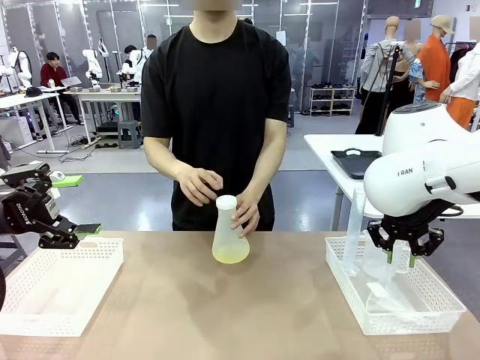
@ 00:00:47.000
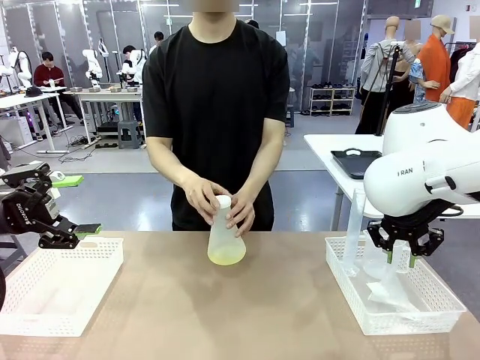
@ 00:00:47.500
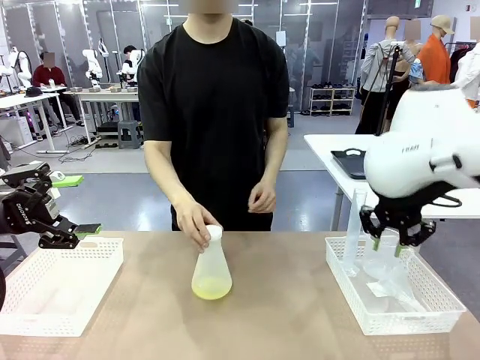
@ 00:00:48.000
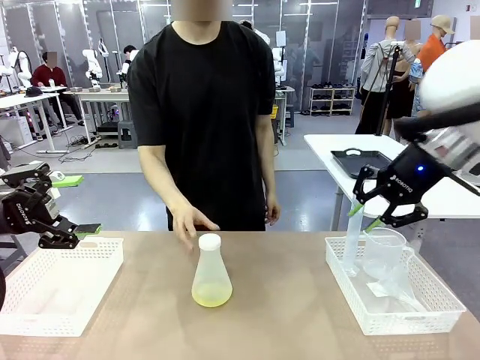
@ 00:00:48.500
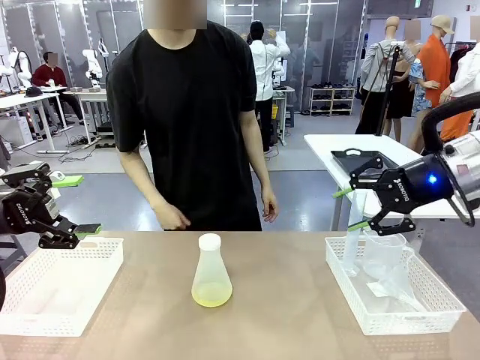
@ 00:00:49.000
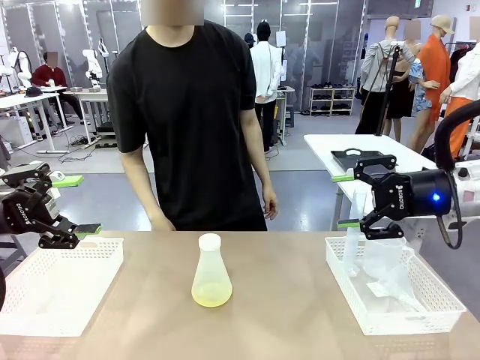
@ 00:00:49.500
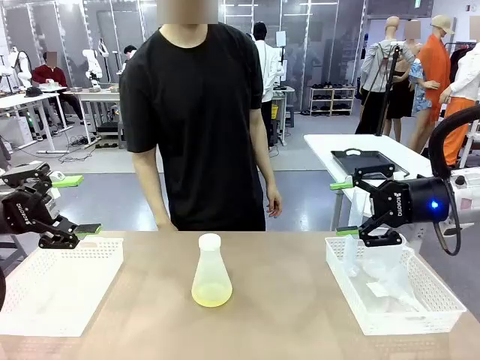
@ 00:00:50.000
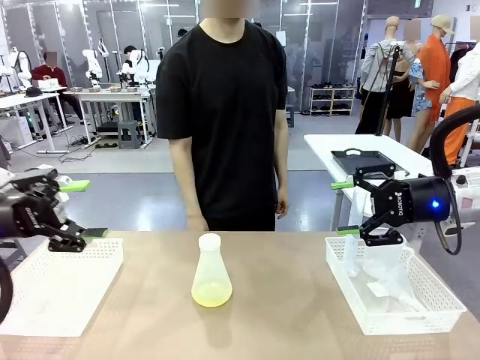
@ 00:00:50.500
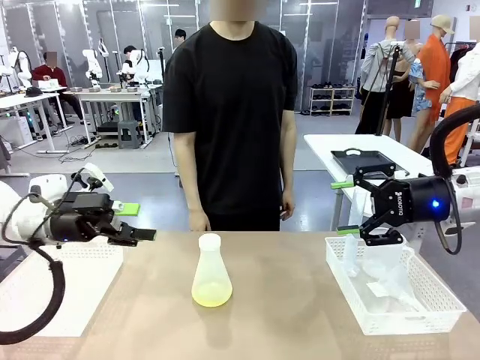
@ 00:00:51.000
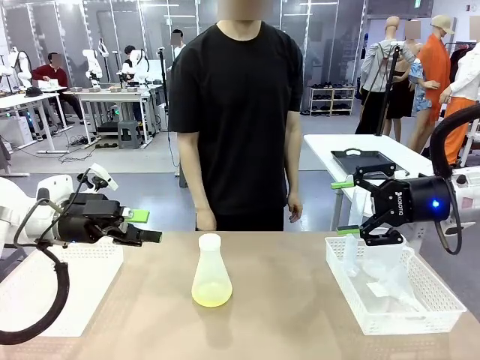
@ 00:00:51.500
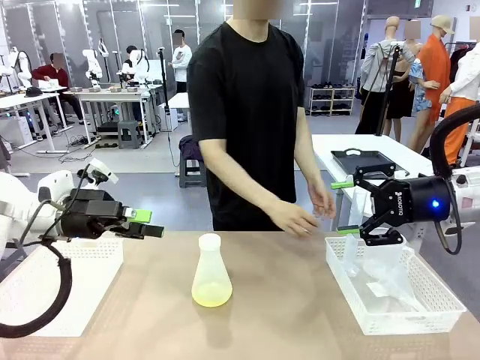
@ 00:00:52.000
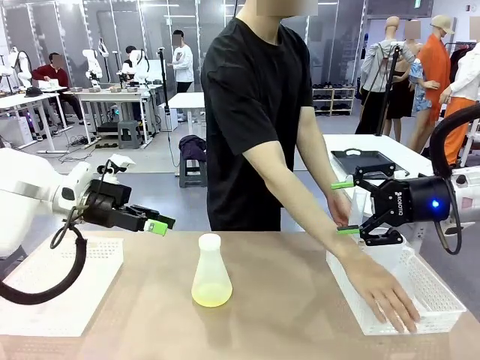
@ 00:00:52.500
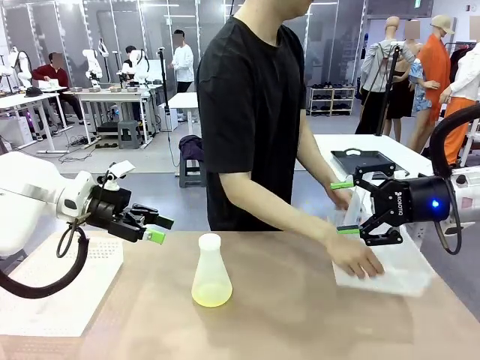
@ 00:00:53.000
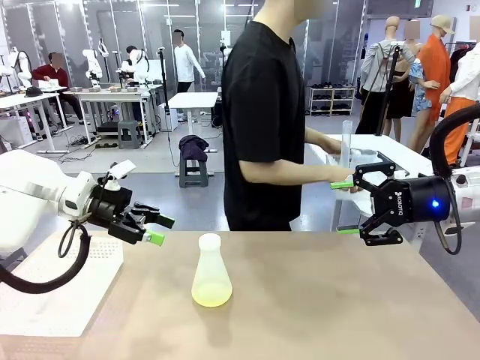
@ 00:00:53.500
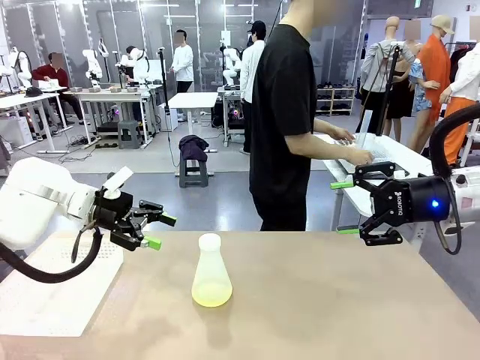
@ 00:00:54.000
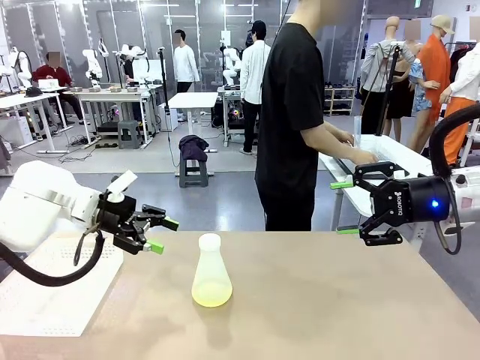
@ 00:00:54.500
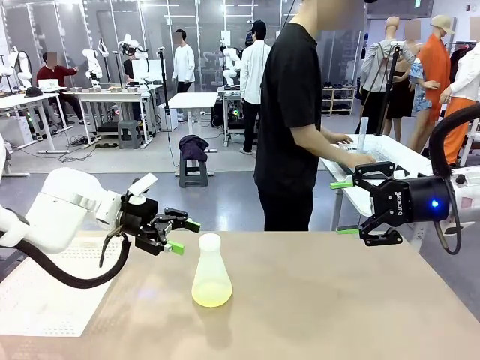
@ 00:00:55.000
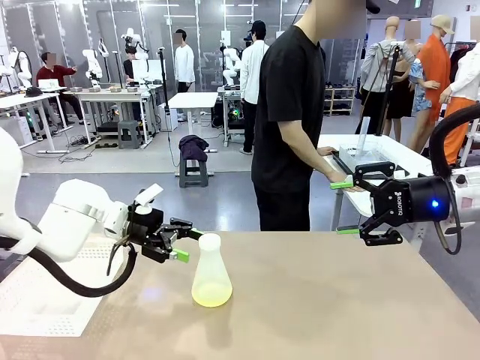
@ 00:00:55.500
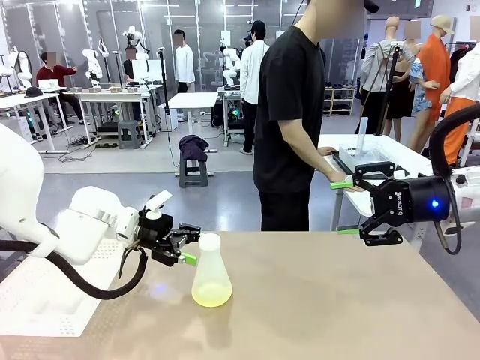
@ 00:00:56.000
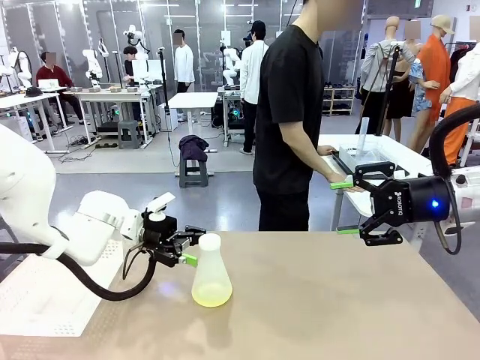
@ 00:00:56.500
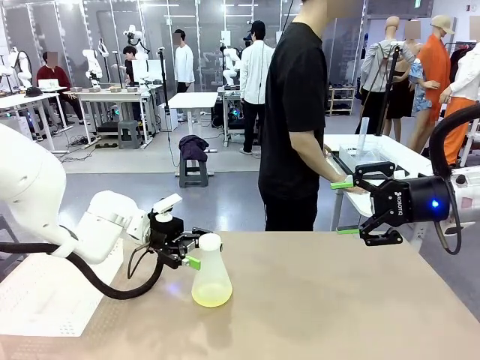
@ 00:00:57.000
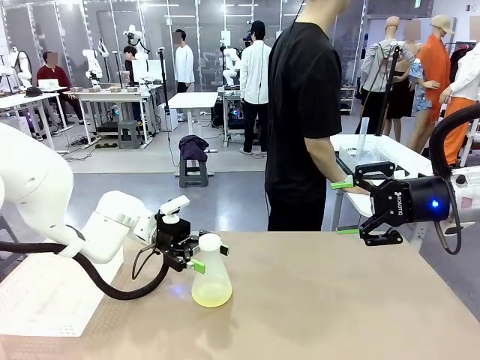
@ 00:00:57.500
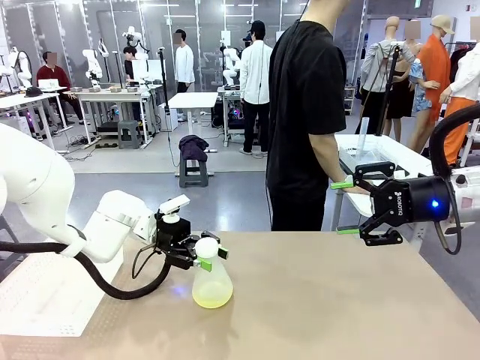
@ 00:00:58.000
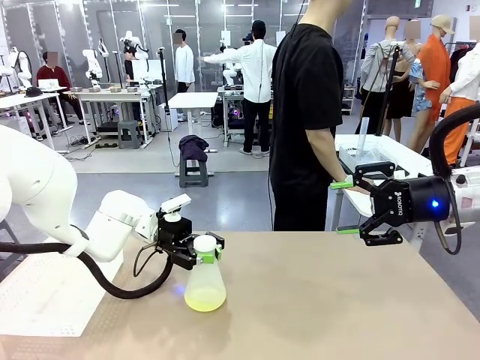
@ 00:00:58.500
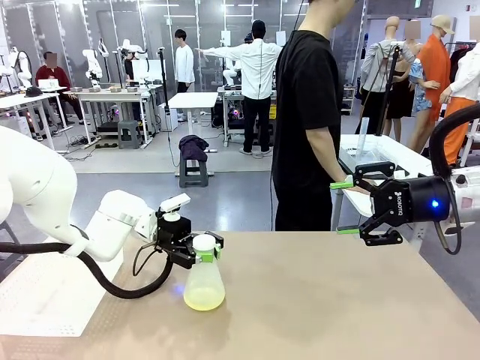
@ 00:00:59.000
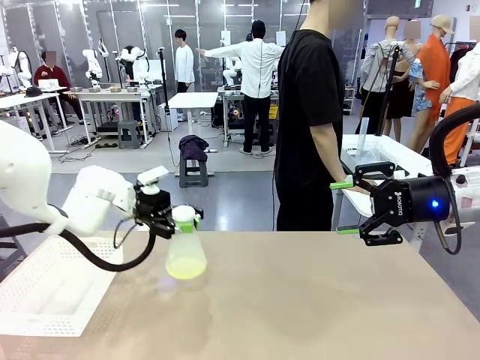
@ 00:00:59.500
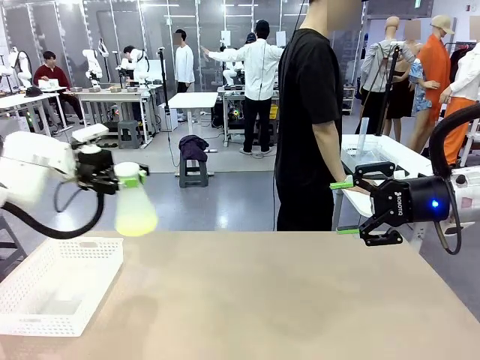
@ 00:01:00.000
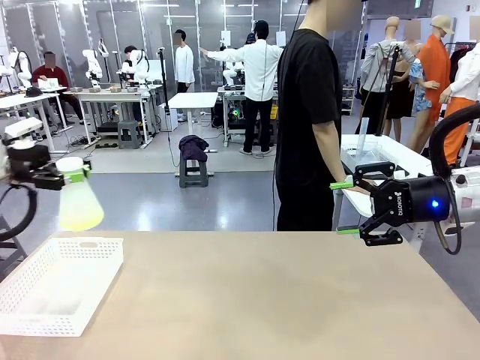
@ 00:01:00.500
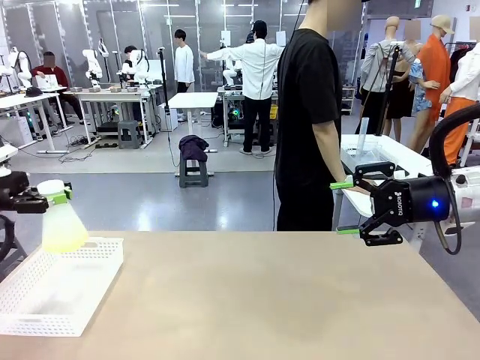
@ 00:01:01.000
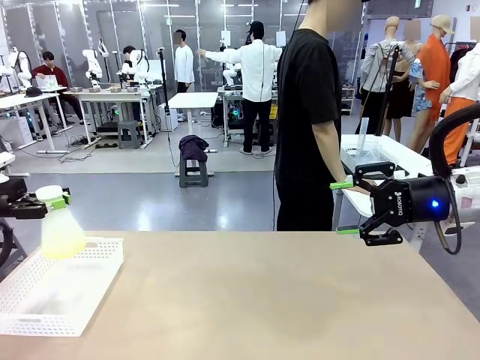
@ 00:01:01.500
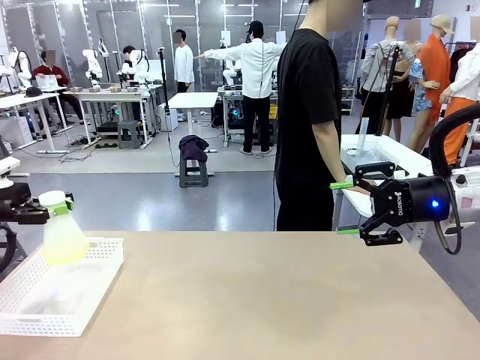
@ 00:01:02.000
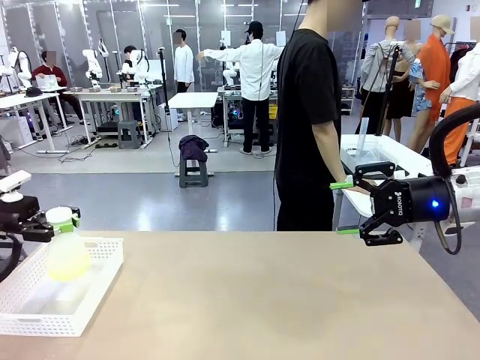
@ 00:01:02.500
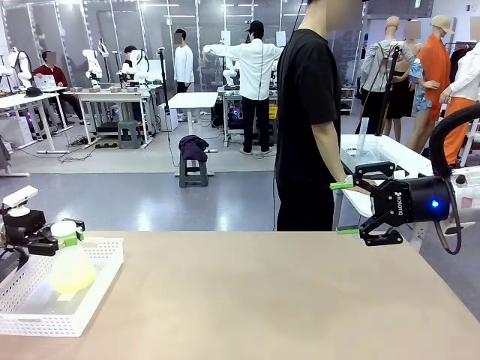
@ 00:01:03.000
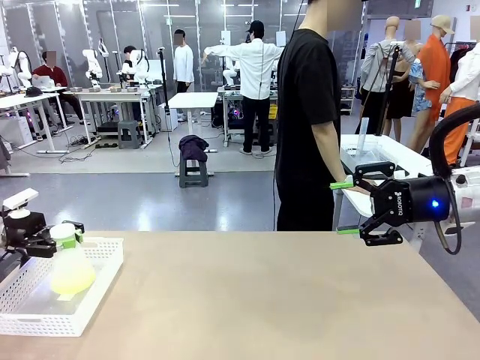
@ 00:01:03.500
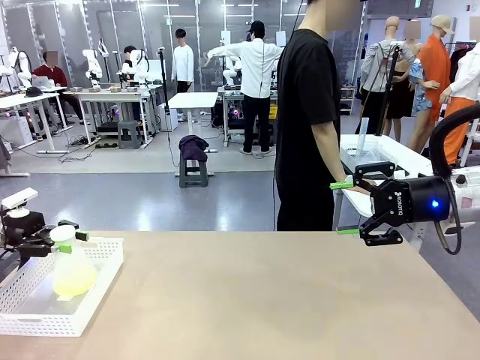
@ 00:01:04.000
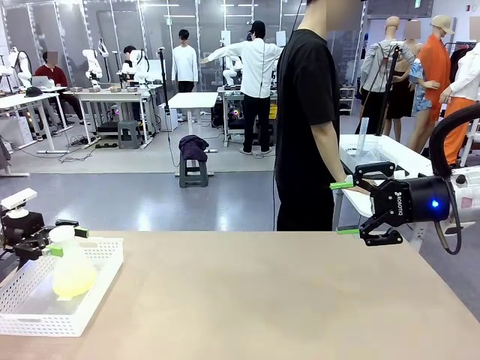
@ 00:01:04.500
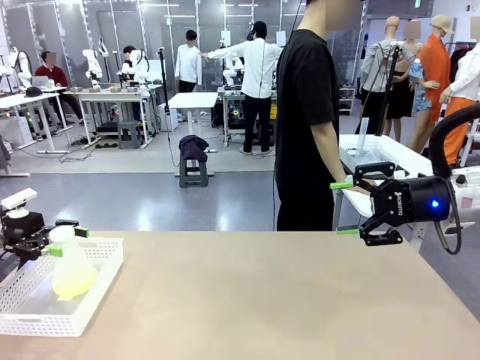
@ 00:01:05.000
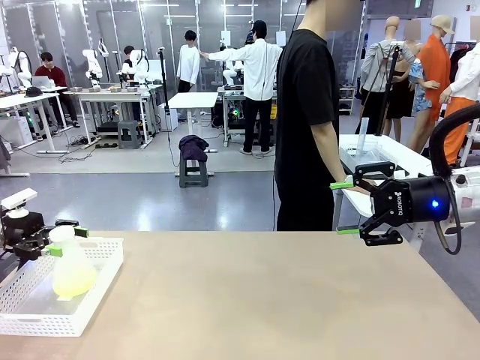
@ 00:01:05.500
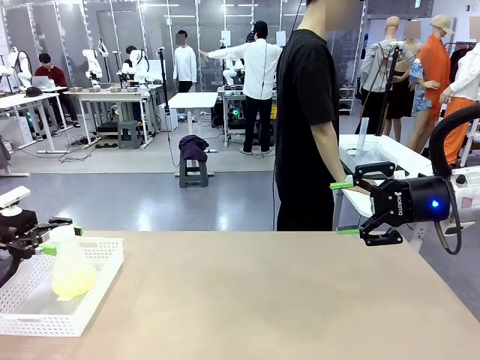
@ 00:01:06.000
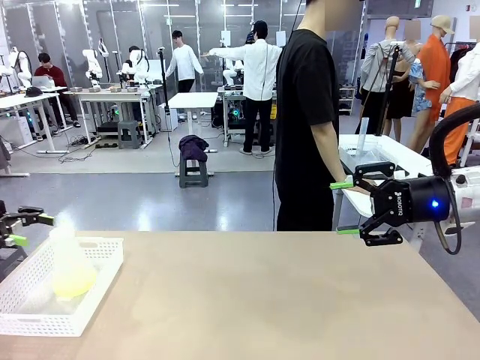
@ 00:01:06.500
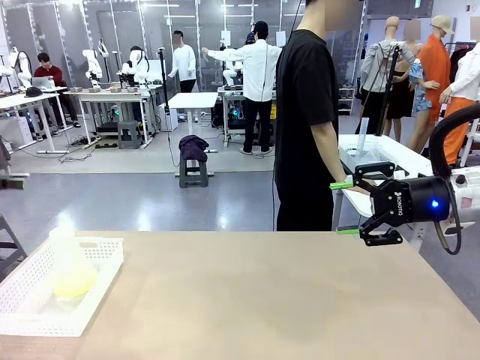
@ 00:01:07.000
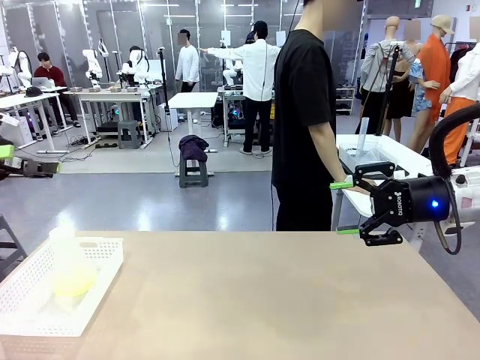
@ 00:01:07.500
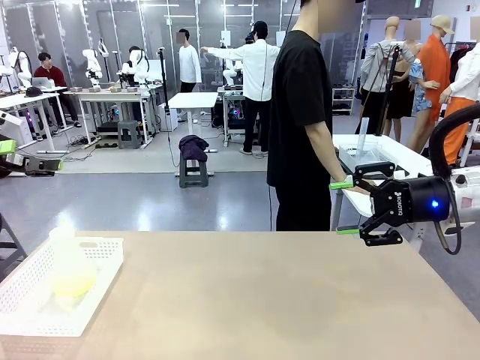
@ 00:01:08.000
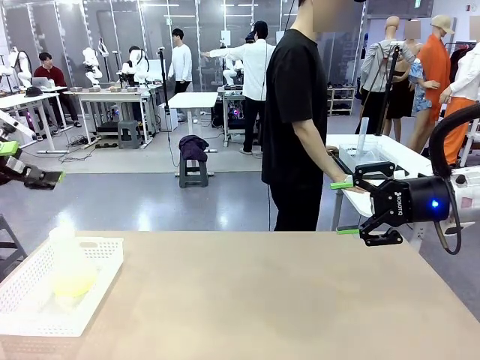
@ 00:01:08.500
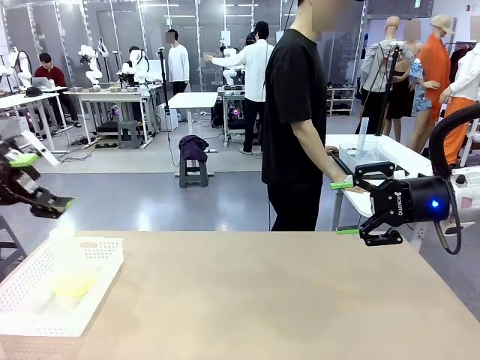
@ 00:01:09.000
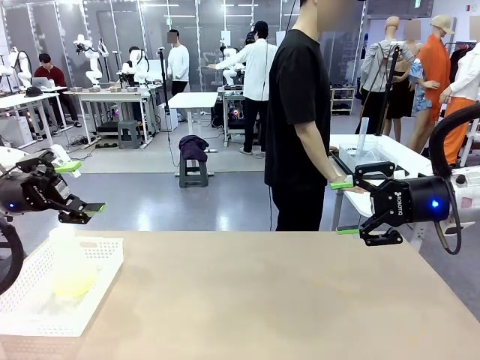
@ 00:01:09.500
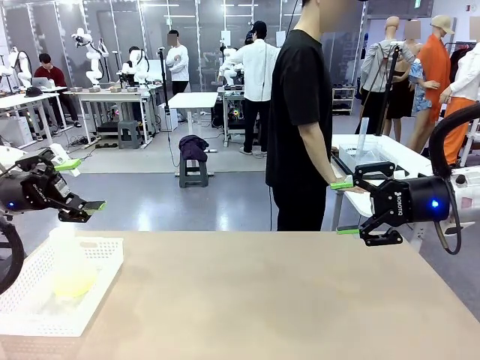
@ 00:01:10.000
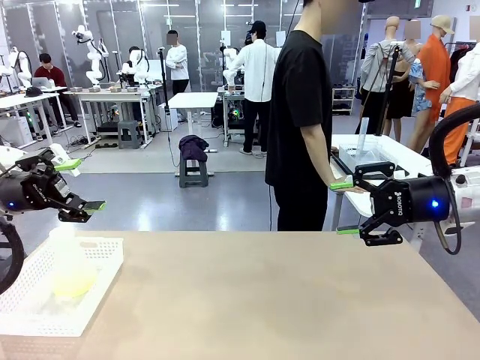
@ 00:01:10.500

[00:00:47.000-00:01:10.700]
Task: Prepare the solutions needed for the experiment.
Robot: When the human places the Big flask in the center of the table, pick up the Big flask and place it in the left Organizing basket.
Person: Pick up the organizing basket on the left side of the robot table and place it on the left side of the human table.
